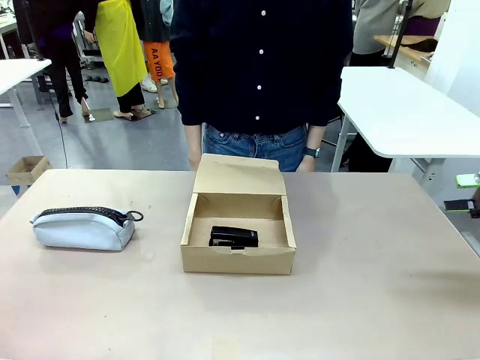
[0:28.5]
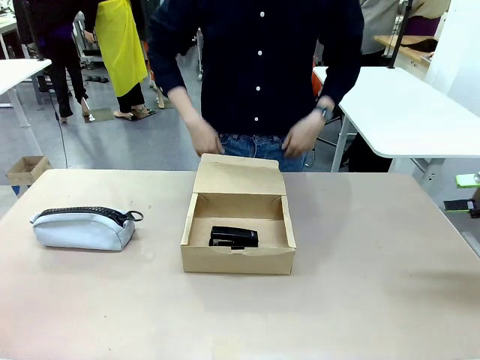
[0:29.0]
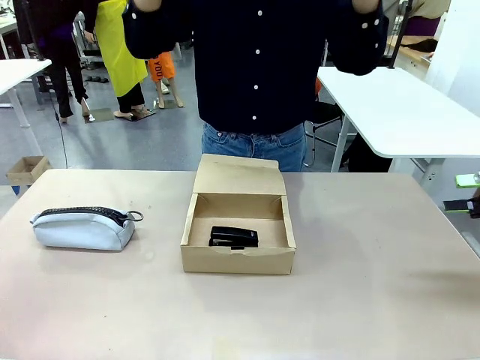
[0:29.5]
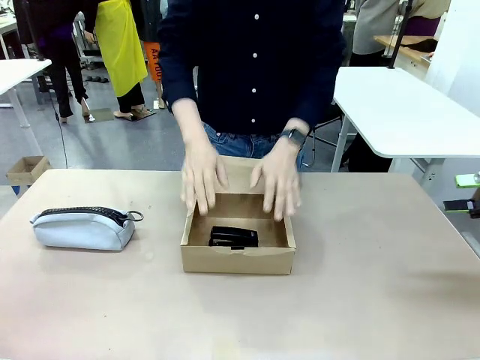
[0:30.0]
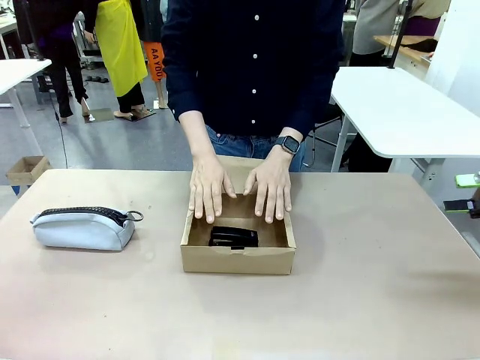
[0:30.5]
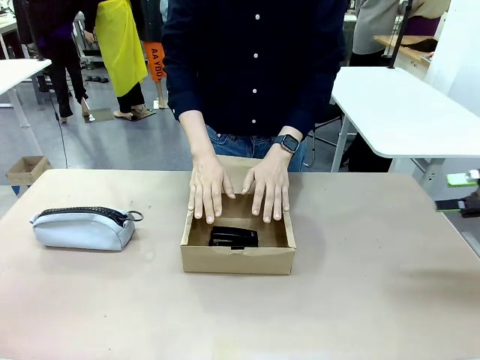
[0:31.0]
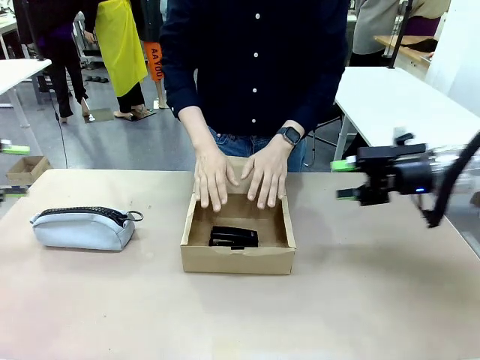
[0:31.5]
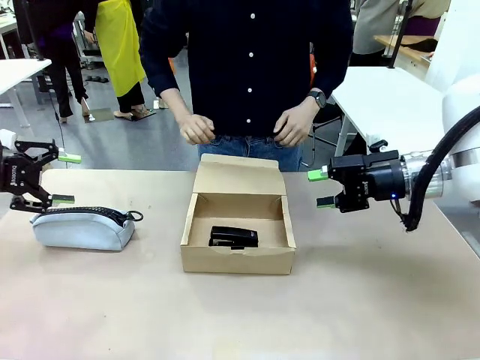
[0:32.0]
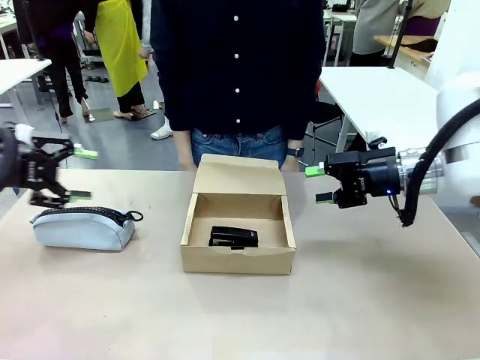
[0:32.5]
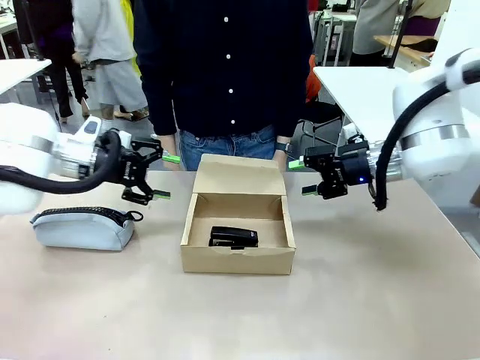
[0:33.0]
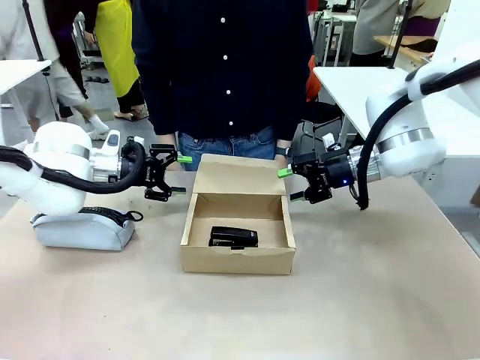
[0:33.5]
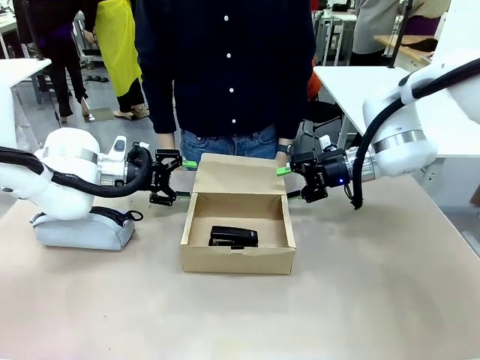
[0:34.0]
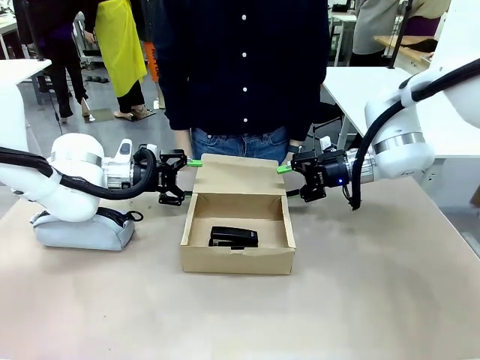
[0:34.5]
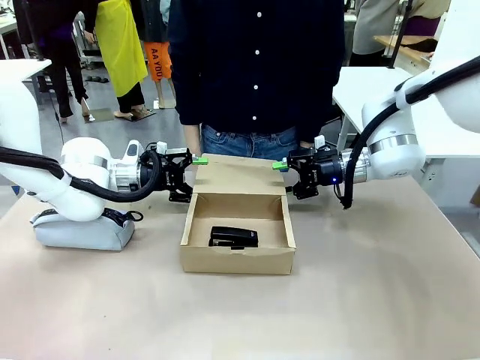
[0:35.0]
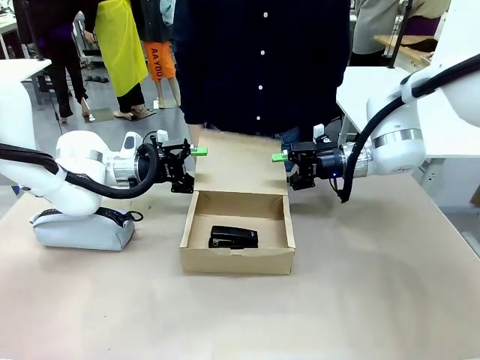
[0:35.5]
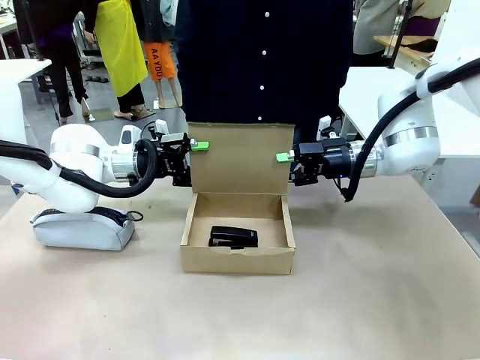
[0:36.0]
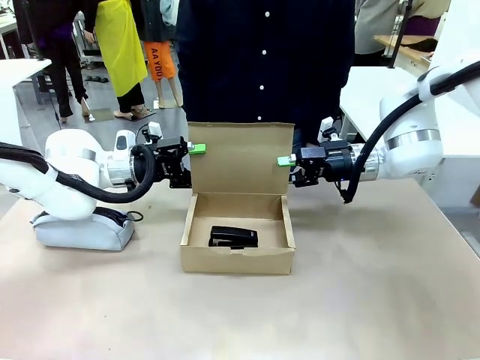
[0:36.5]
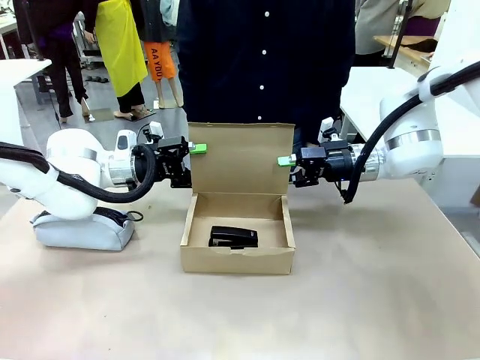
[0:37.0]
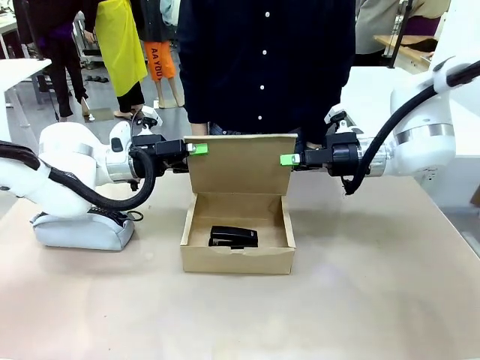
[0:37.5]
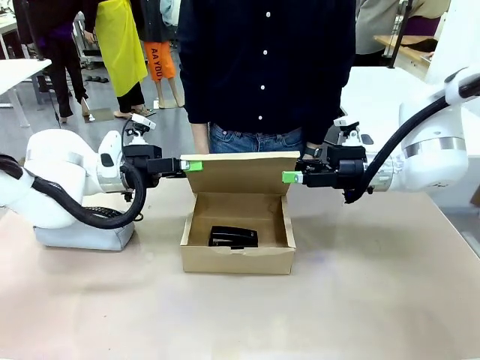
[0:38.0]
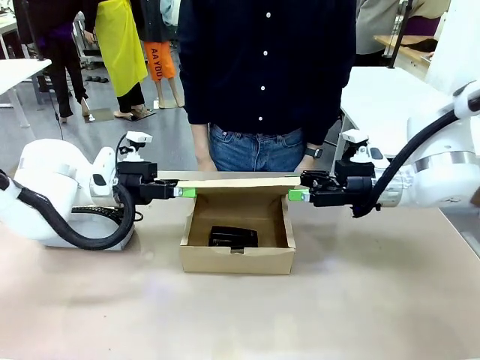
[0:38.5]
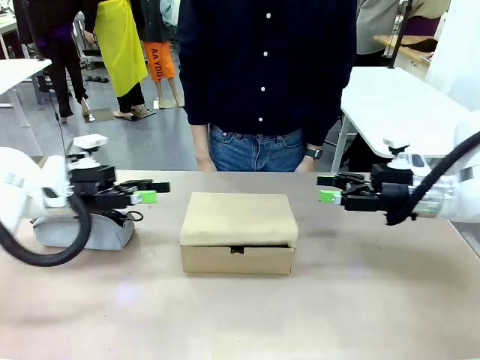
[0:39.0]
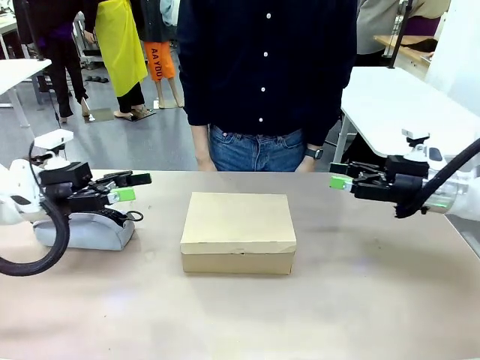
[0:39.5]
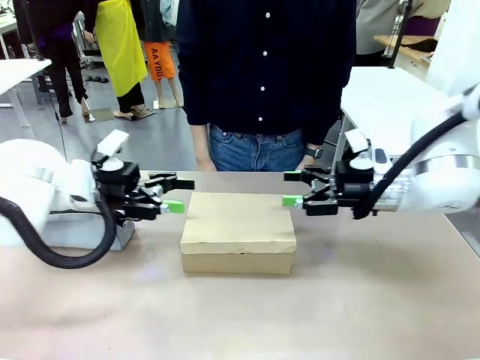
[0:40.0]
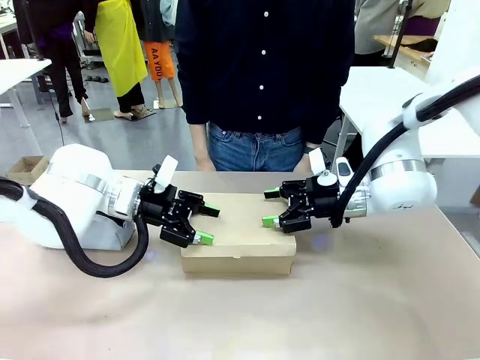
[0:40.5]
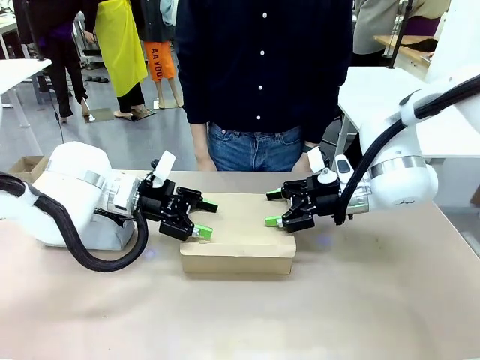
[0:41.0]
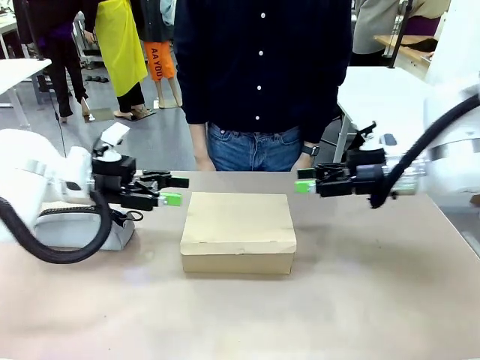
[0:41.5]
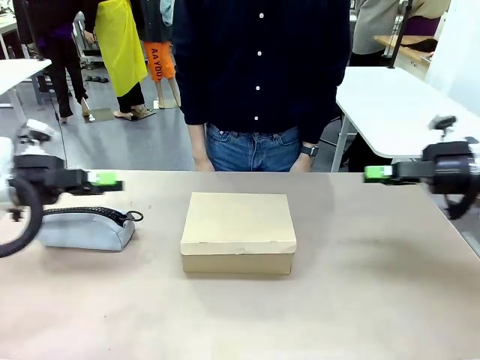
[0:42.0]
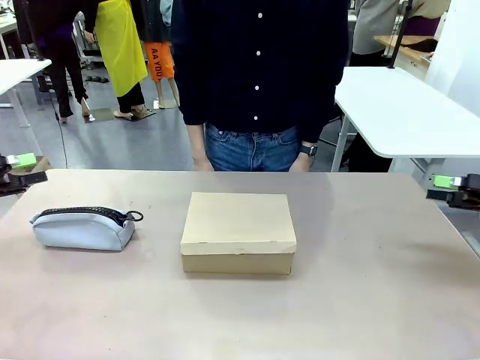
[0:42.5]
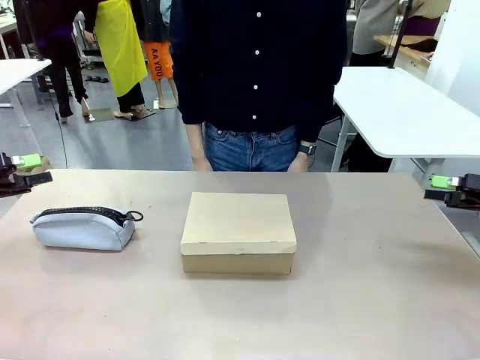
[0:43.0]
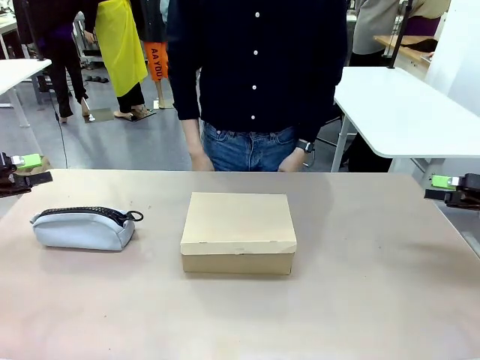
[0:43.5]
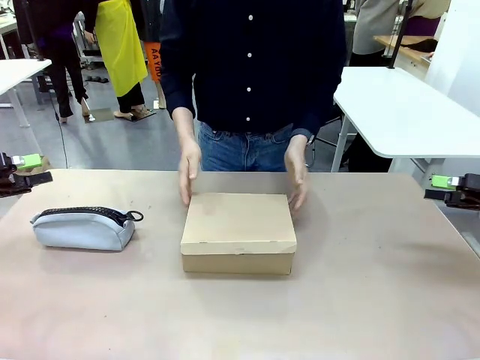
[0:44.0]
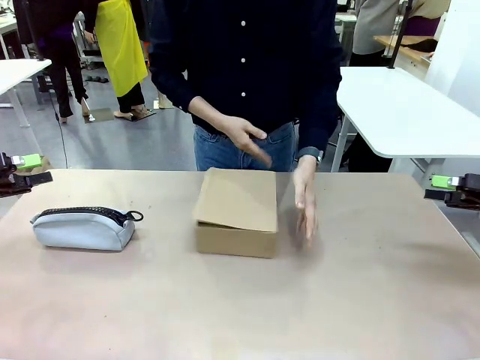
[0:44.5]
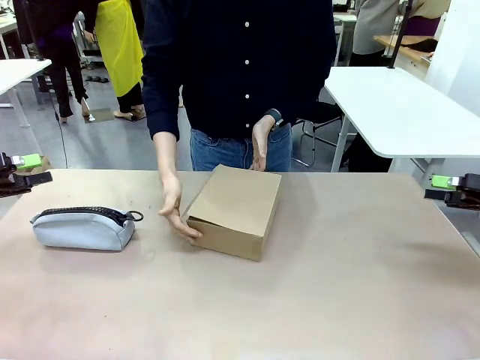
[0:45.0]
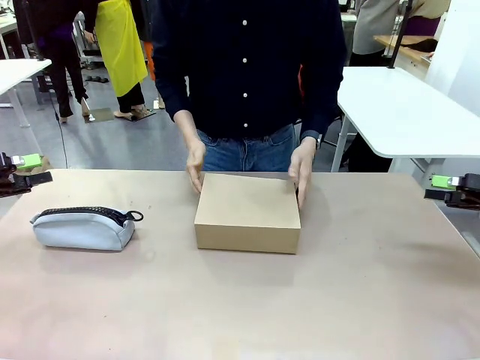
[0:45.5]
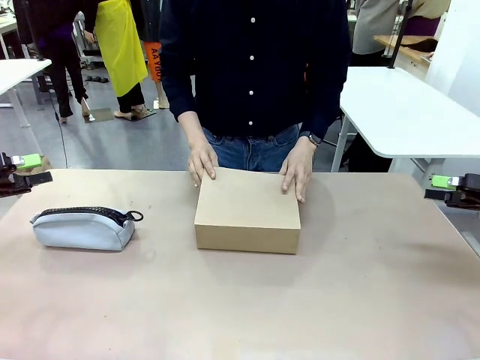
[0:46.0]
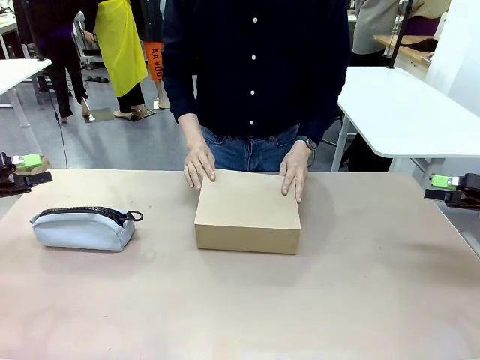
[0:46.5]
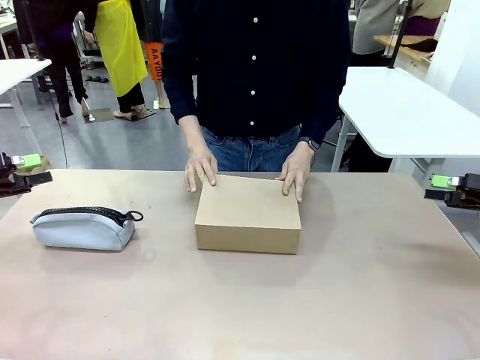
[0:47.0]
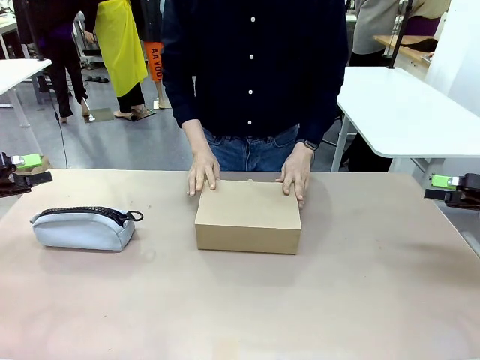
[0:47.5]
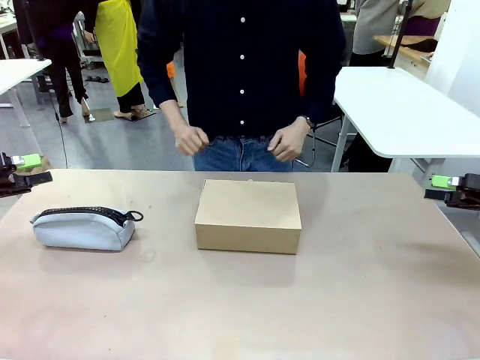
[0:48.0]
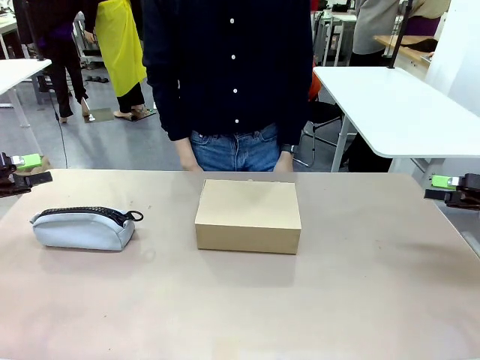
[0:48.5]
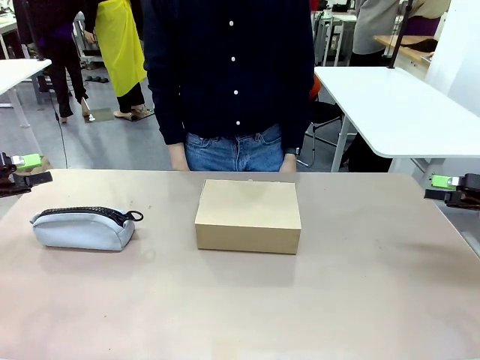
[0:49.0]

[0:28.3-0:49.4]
Task: Pack the items into the box.
Robot: Close the Mailer Box.
Person: Turn the box and lock it.

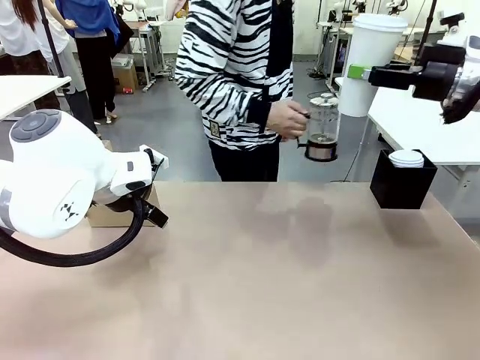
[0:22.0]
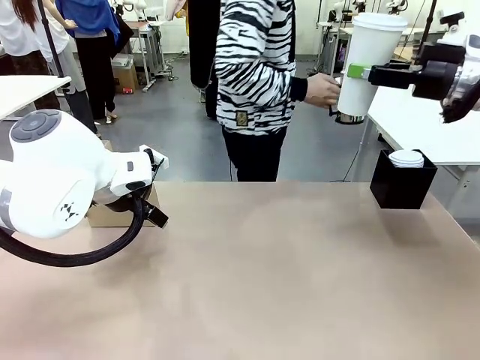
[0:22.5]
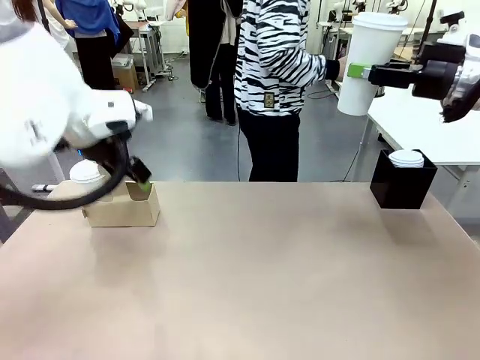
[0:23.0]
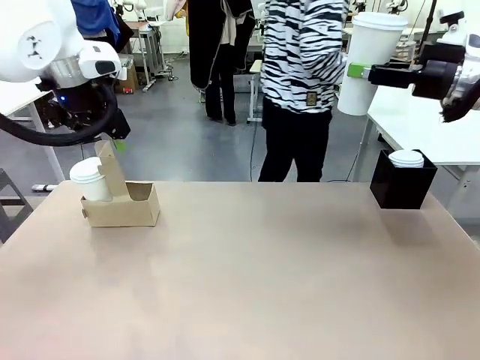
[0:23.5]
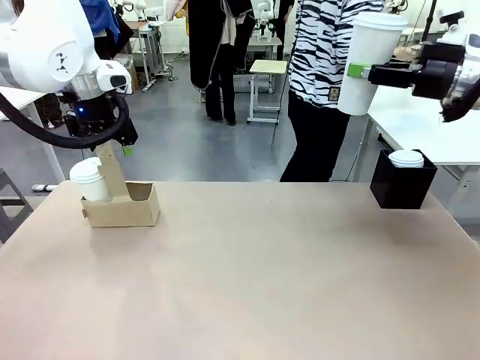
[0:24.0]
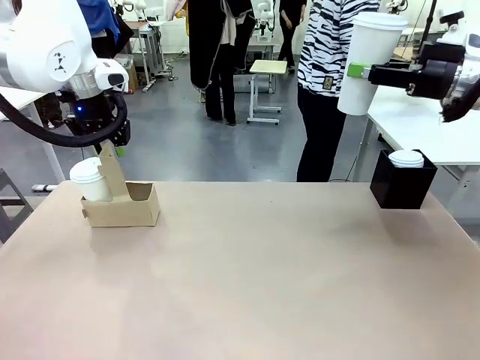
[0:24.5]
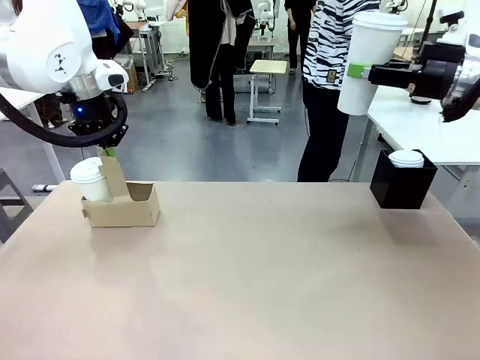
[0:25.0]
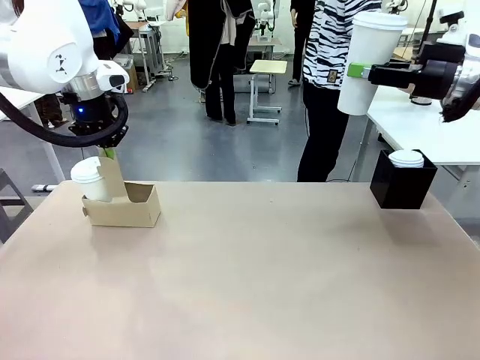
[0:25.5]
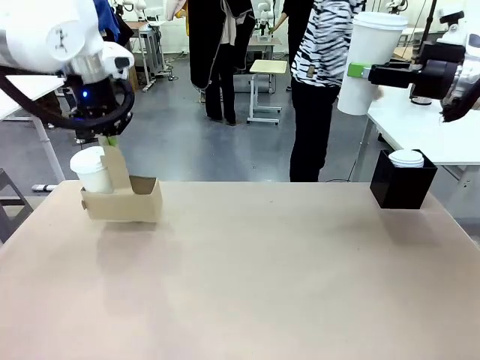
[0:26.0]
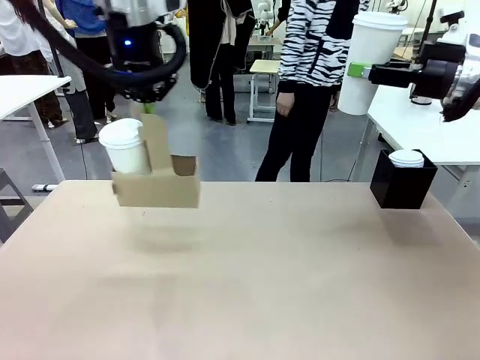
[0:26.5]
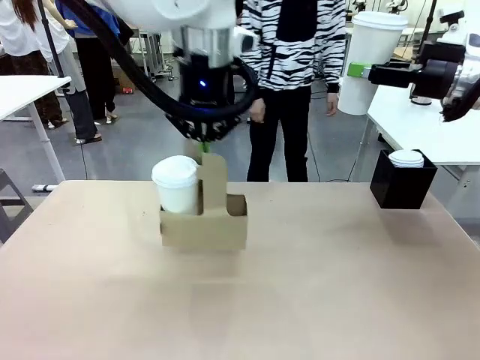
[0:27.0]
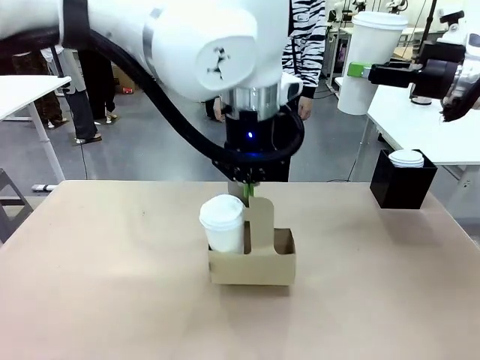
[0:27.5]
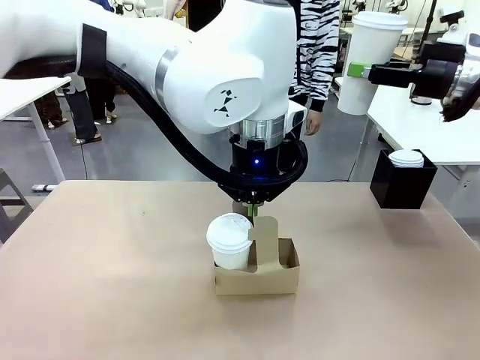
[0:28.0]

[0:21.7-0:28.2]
Task: Pour a drink into a cup and package it in a carrier.
Robot: Position the Cup Carrier in the center of the table.
Person: Pick up the Filter Brewing and place on the middle of Human table, and return to the Robot table.
